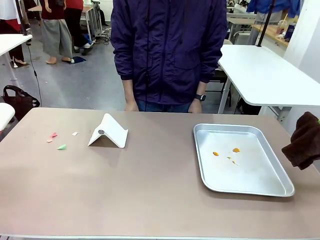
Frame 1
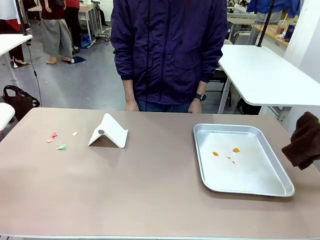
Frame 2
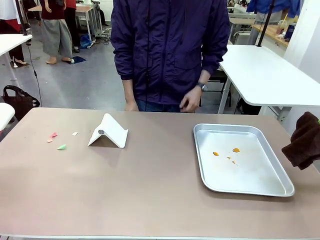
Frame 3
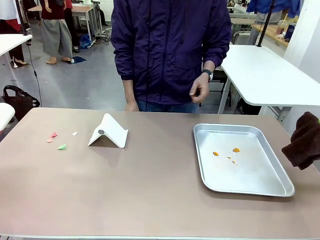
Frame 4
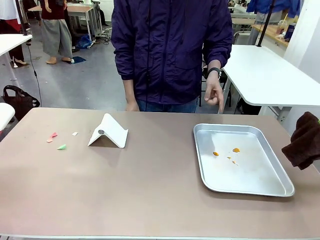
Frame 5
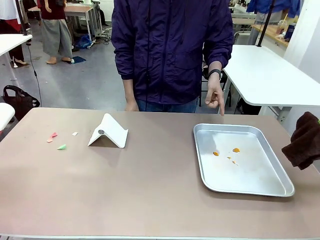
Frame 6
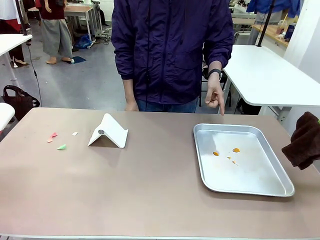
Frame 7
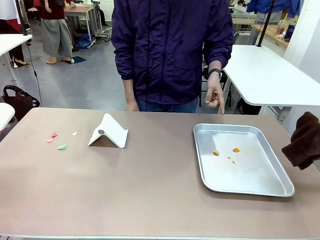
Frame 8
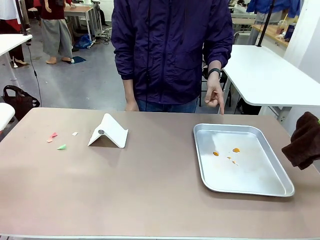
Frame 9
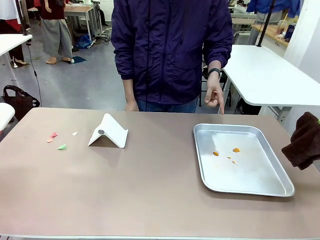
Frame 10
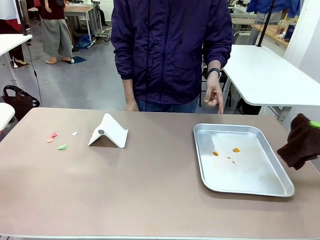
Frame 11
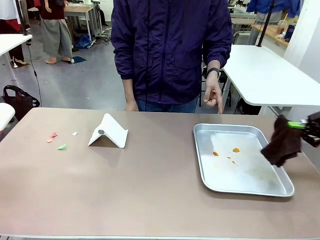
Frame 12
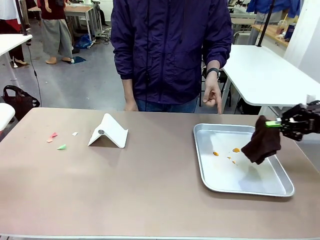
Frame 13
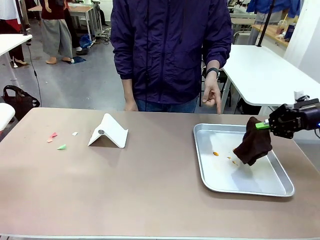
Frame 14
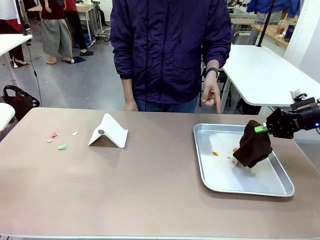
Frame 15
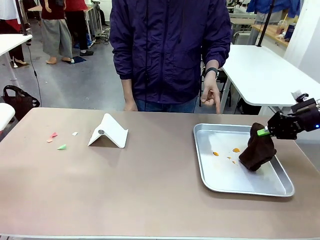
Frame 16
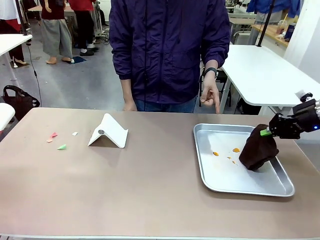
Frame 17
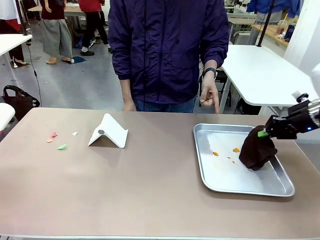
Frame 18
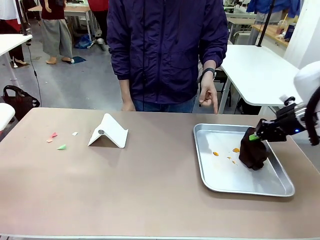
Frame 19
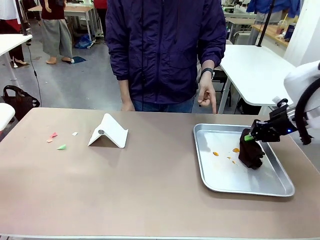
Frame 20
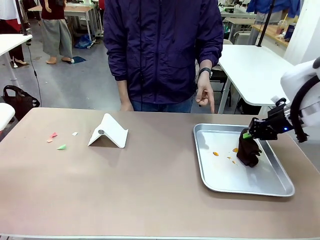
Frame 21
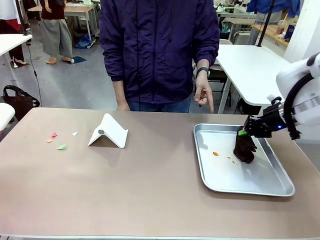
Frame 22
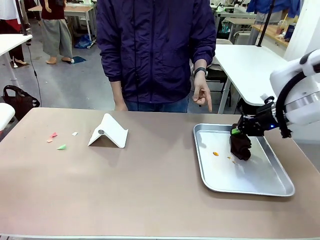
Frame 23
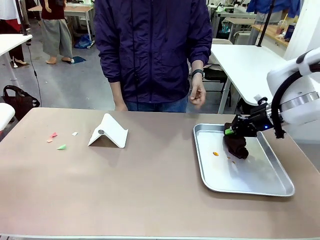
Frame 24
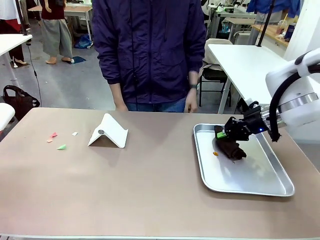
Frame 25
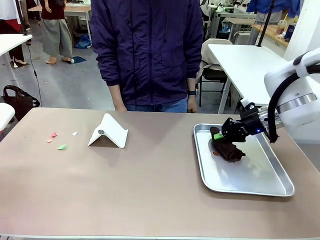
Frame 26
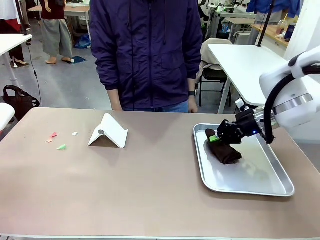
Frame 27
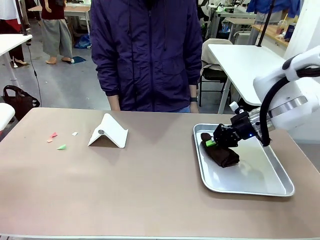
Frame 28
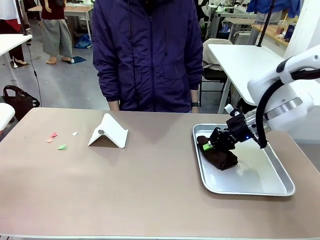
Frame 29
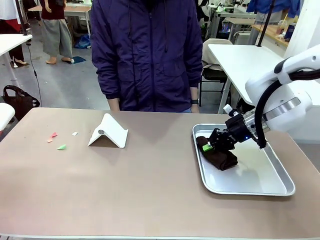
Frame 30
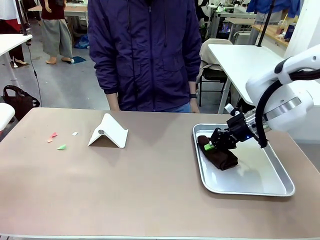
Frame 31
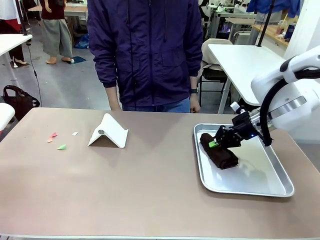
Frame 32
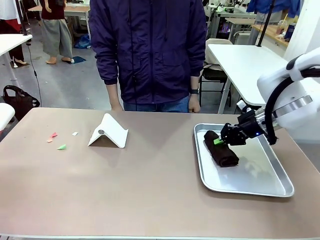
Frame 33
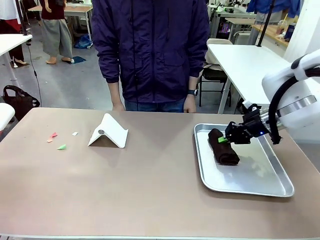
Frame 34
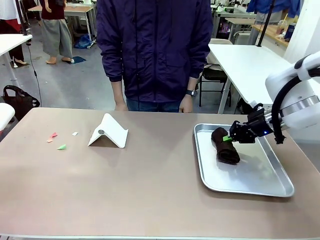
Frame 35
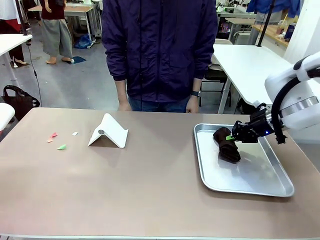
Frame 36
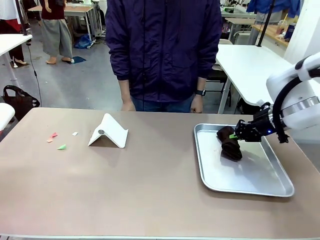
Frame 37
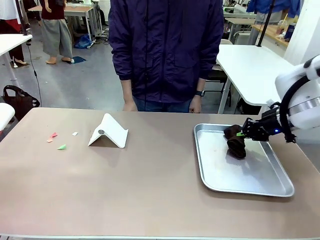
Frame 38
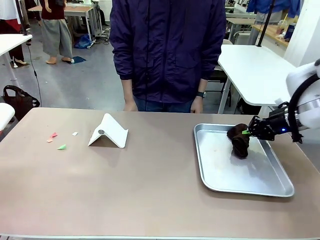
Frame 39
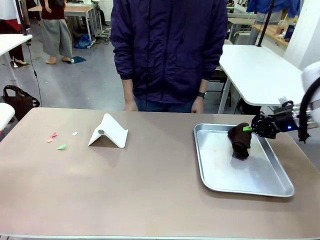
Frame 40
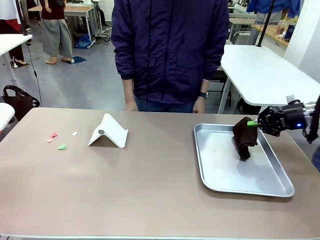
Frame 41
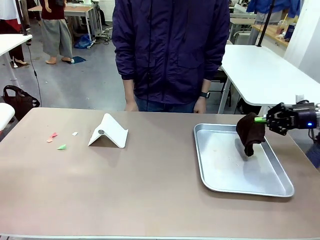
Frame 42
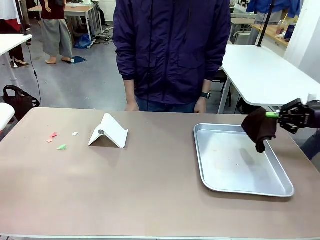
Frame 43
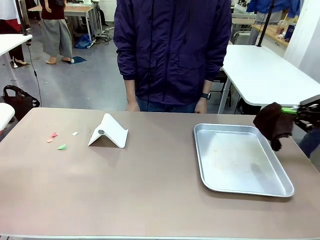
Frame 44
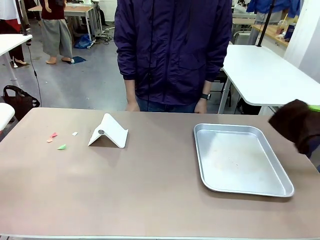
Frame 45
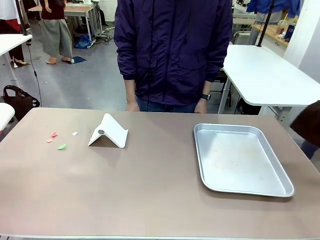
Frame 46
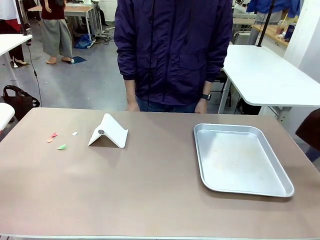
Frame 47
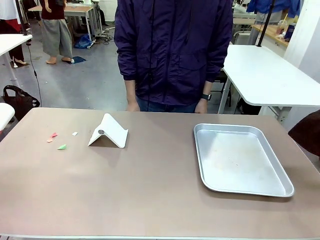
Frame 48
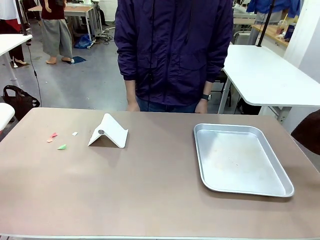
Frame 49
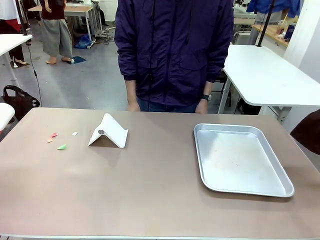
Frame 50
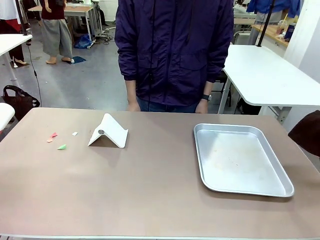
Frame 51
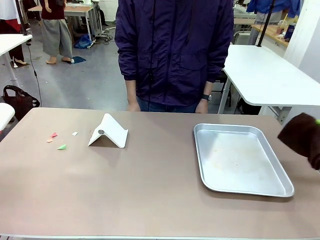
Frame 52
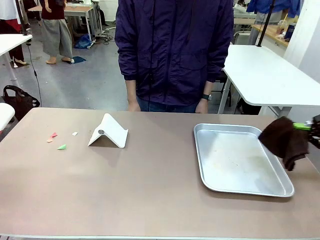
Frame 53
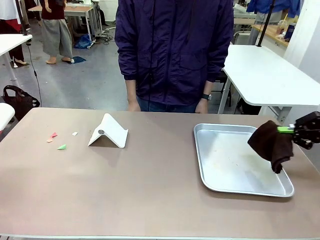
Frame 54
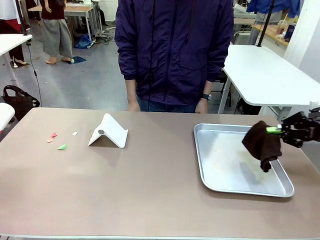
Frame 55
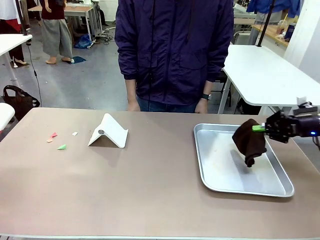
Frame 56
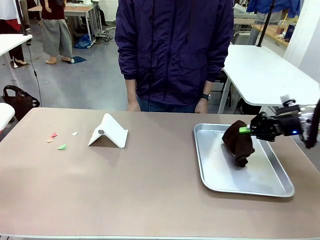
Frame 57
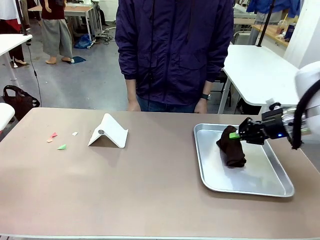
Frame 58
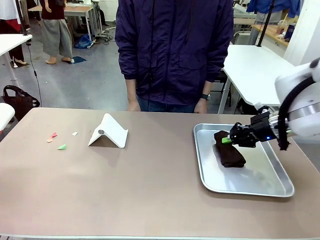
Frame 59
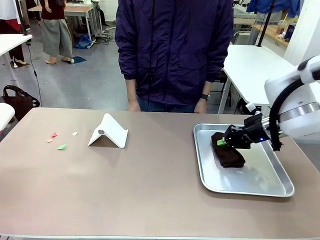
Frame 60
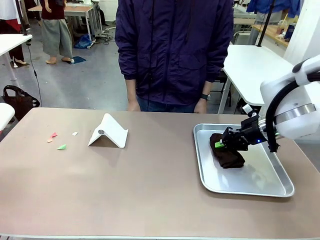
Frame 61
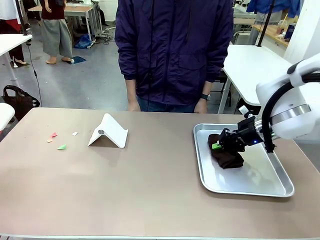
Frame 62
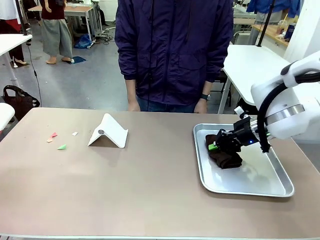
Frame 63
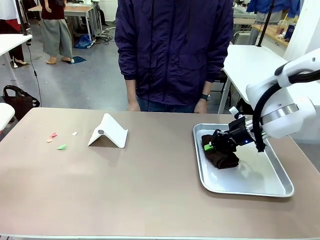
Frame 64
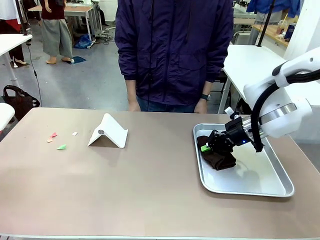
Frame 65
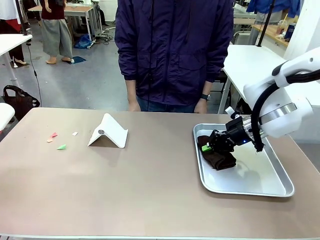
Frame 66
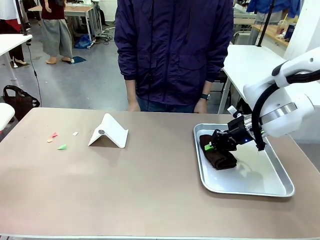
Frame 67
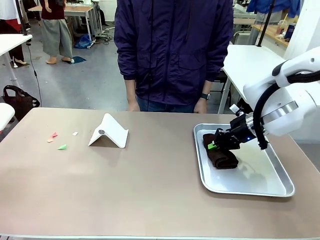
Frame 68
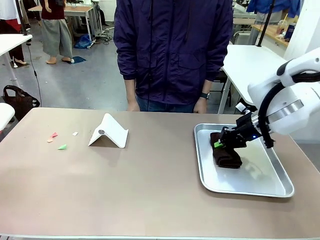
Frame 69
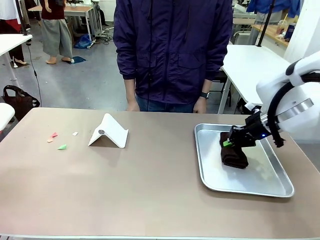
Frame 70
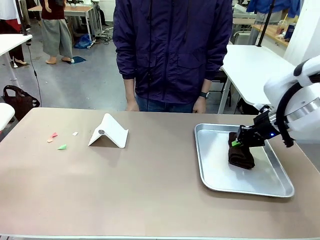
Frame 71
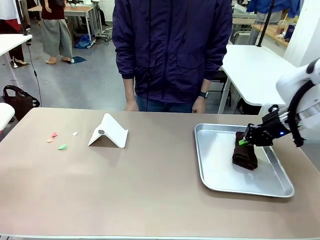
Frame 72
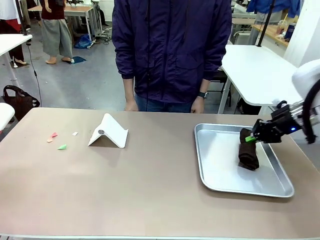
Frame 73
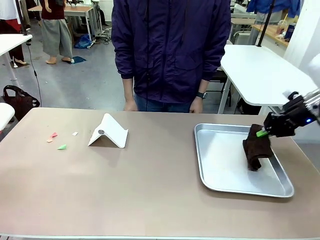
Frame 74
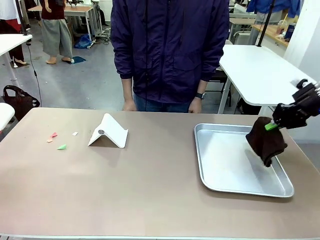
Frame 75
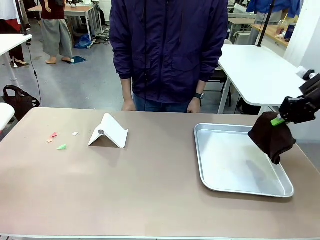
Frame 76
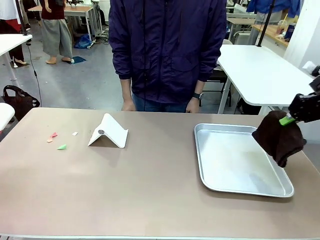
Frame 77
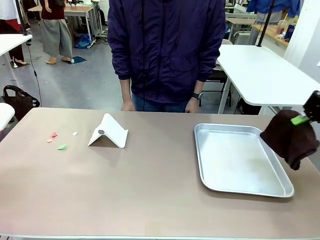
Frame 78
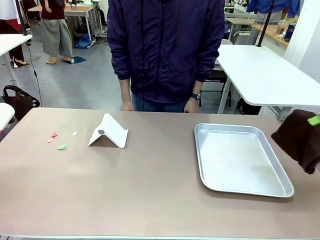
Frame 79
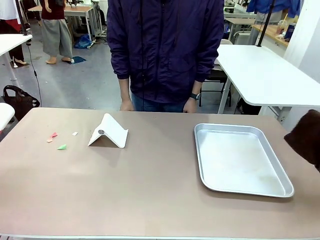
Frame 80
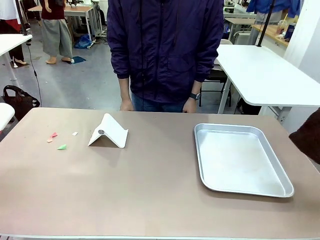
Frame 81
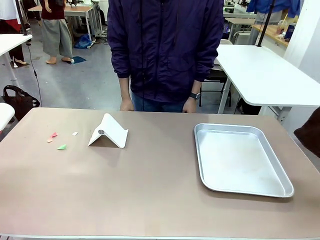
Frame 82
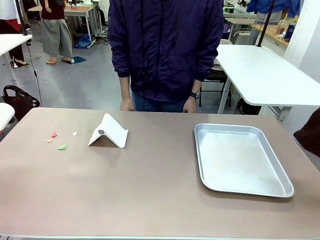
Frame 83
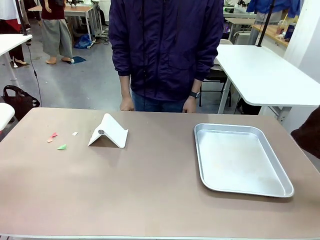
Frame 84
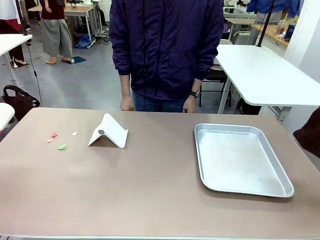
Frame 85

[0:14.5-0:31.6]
Task: Clean the surface of the table.
Robot: If a person points to the right, clean the right side of the table with your right hand, and if they point to the left, clean the left side with your left hand.
